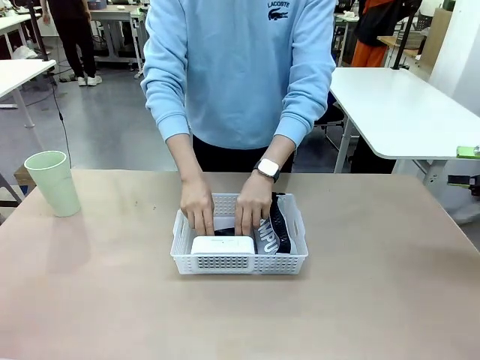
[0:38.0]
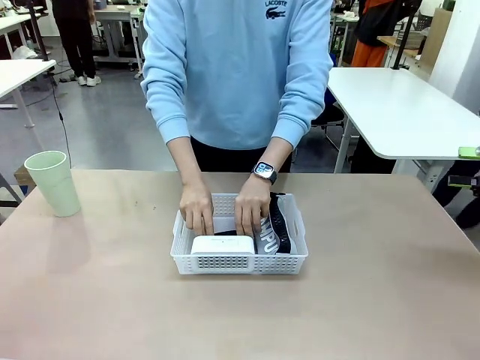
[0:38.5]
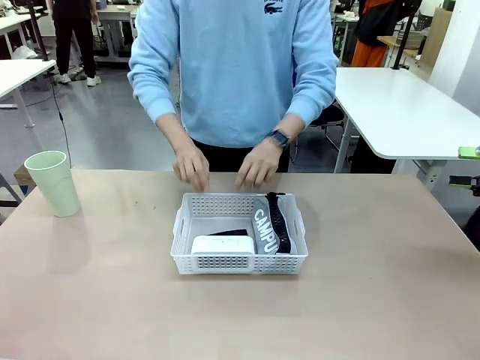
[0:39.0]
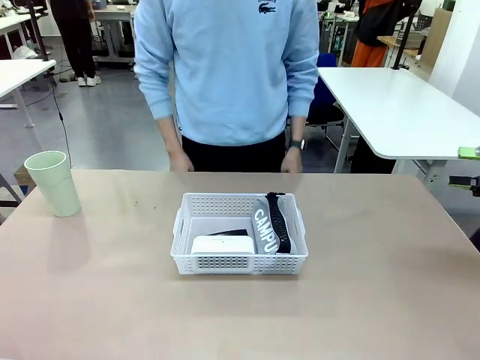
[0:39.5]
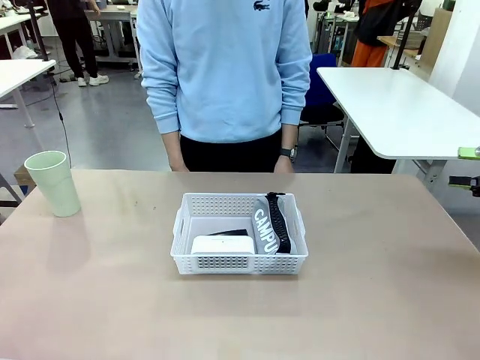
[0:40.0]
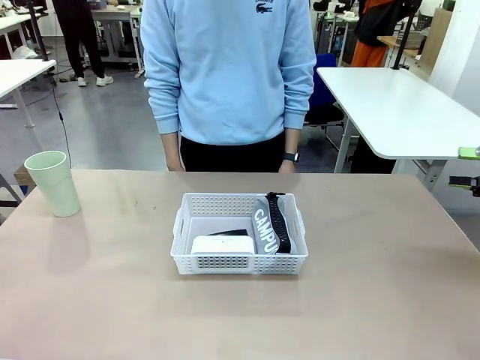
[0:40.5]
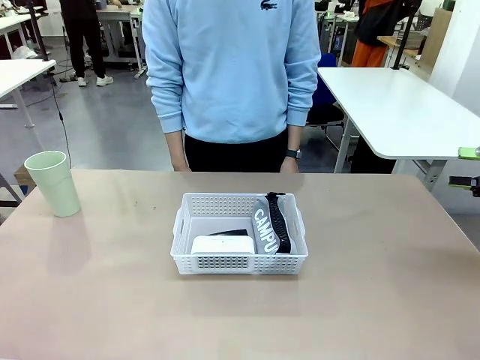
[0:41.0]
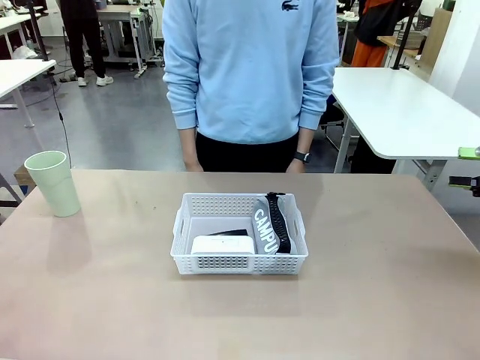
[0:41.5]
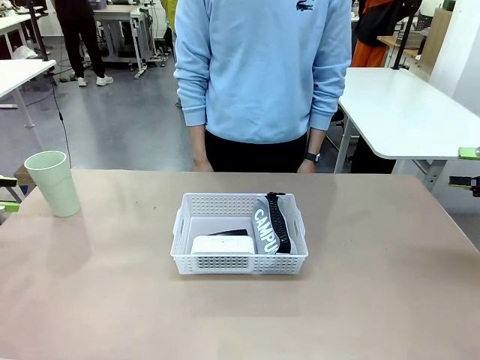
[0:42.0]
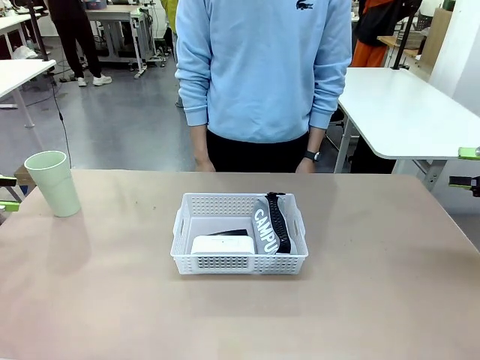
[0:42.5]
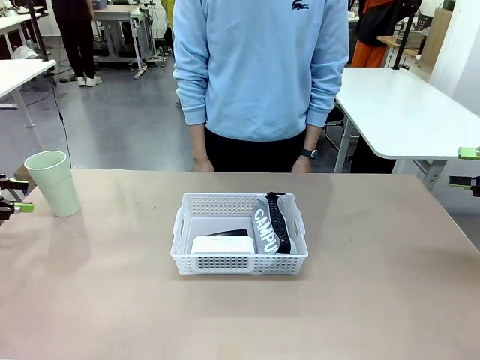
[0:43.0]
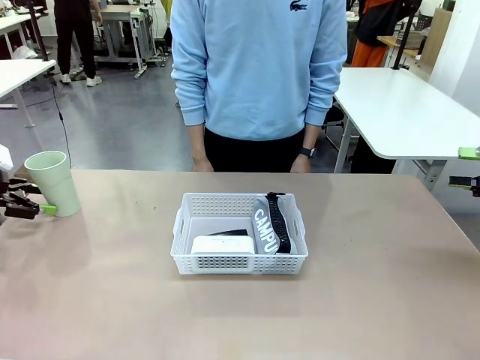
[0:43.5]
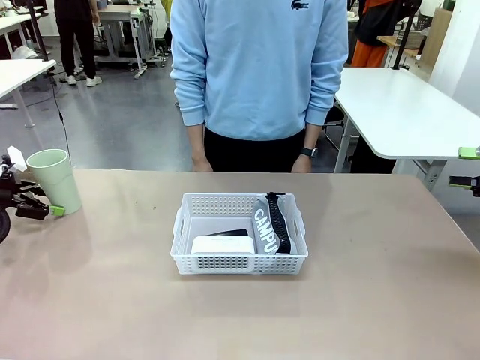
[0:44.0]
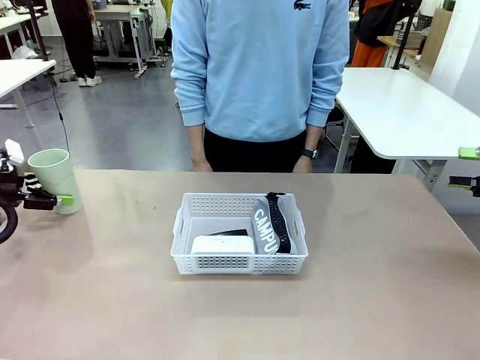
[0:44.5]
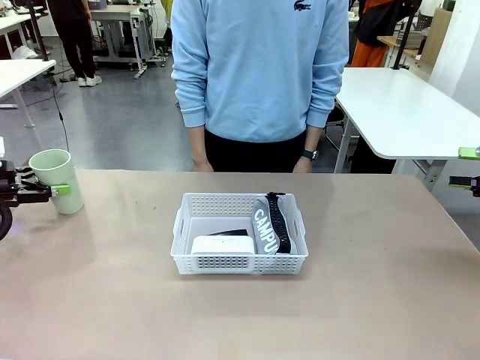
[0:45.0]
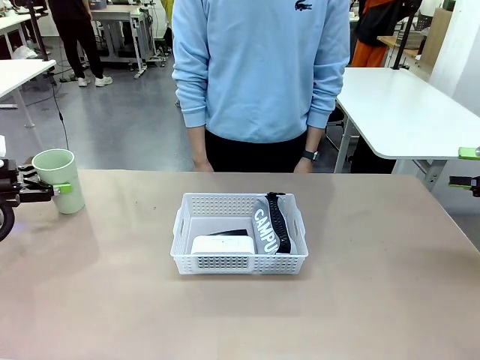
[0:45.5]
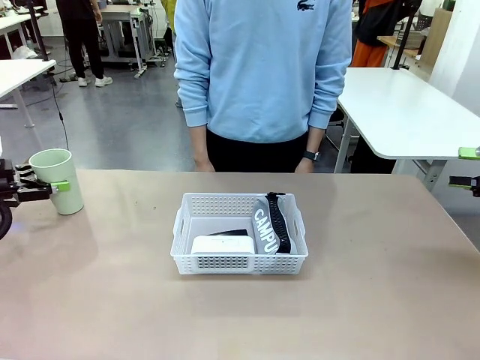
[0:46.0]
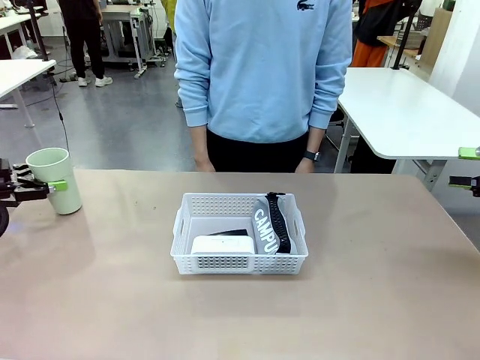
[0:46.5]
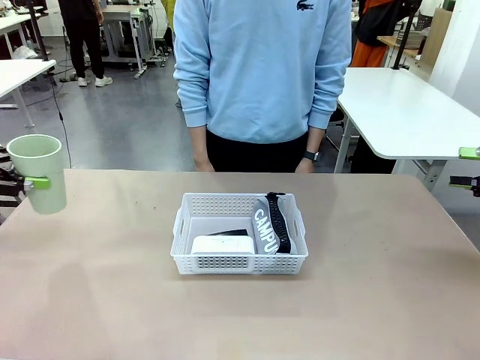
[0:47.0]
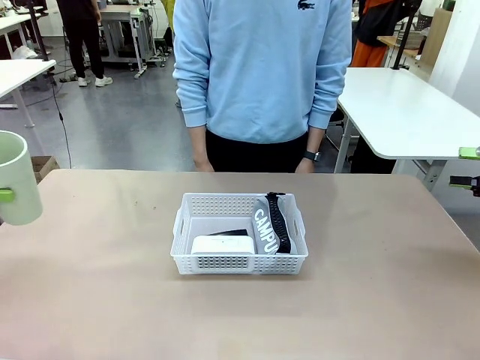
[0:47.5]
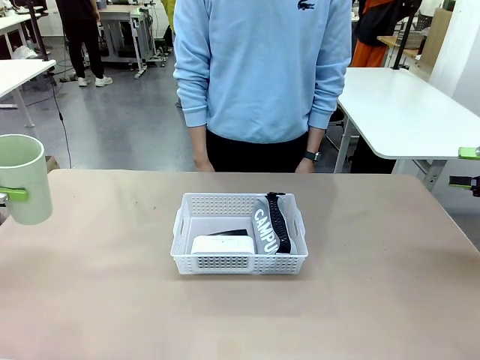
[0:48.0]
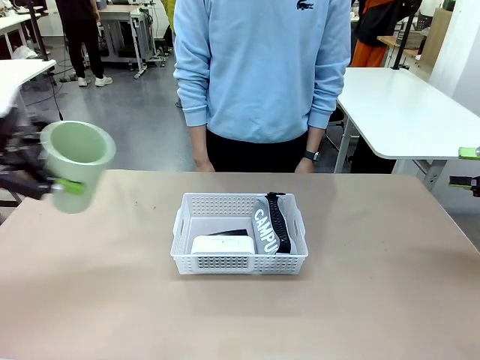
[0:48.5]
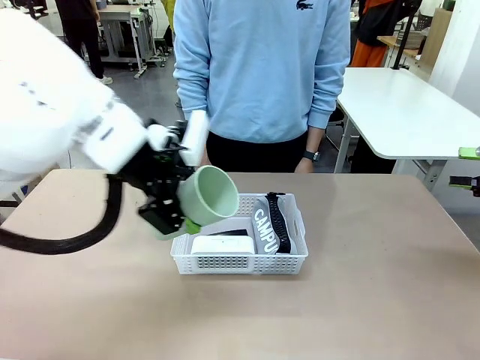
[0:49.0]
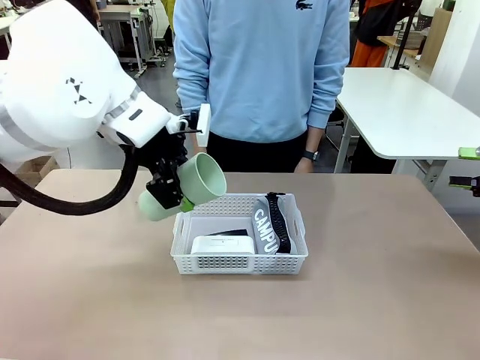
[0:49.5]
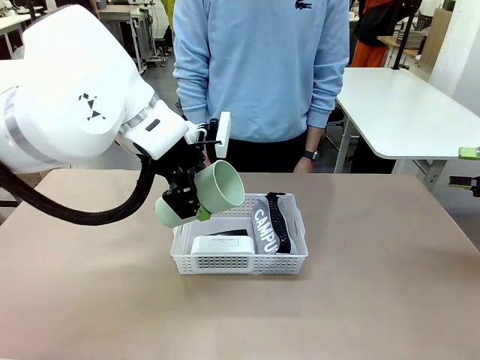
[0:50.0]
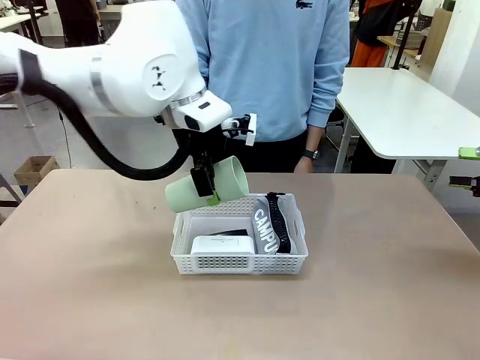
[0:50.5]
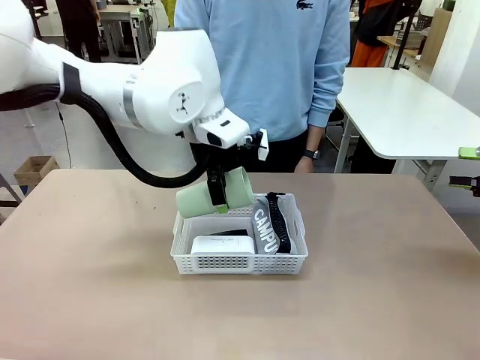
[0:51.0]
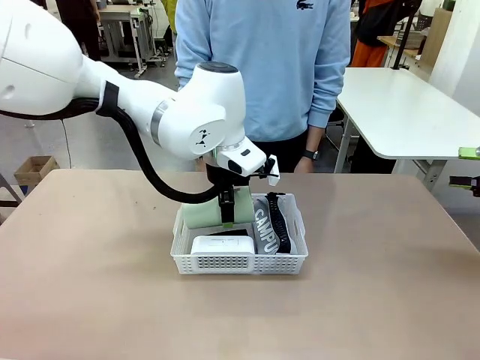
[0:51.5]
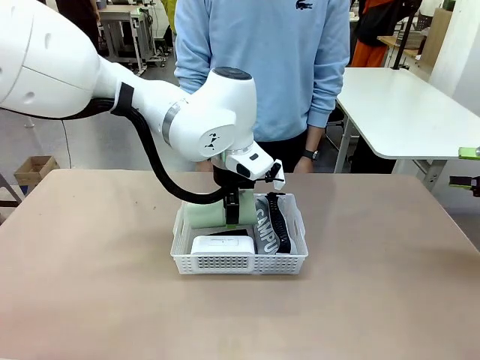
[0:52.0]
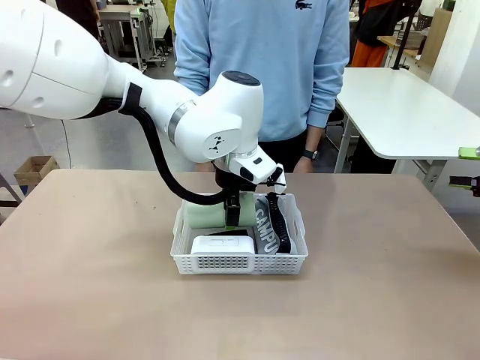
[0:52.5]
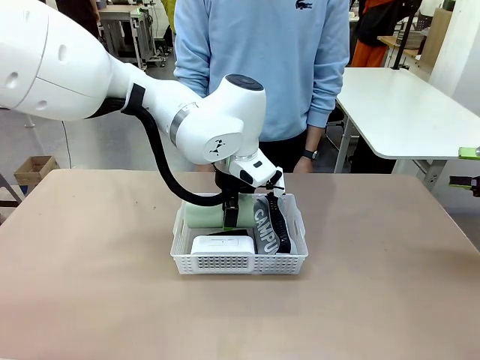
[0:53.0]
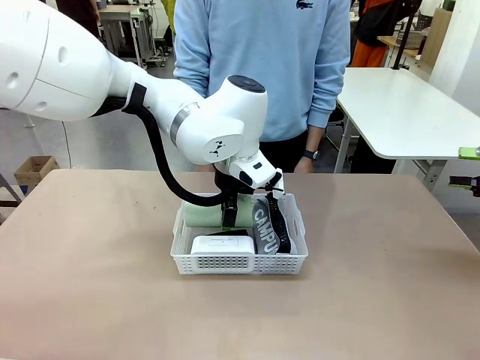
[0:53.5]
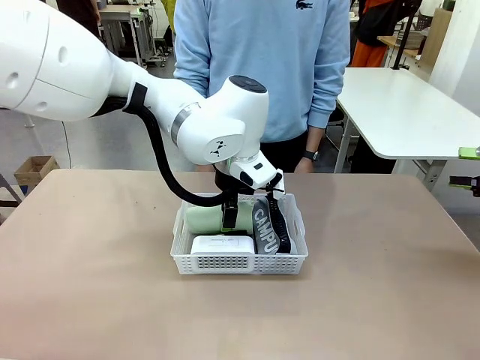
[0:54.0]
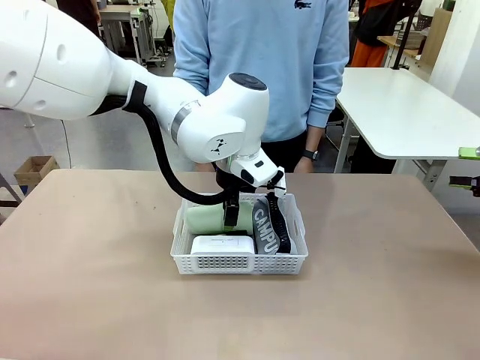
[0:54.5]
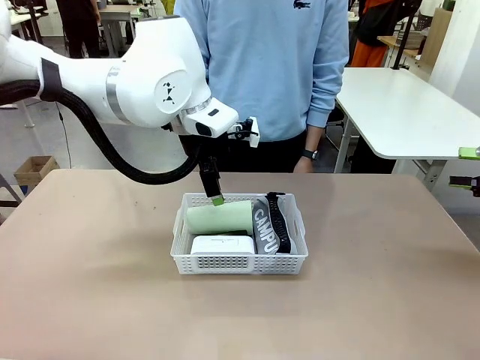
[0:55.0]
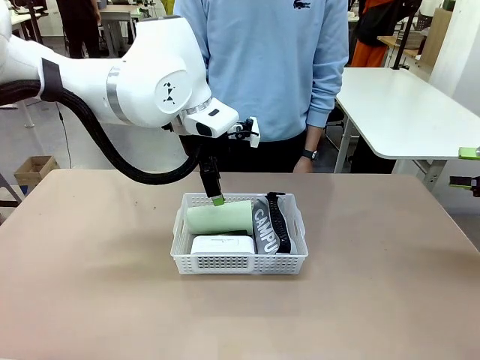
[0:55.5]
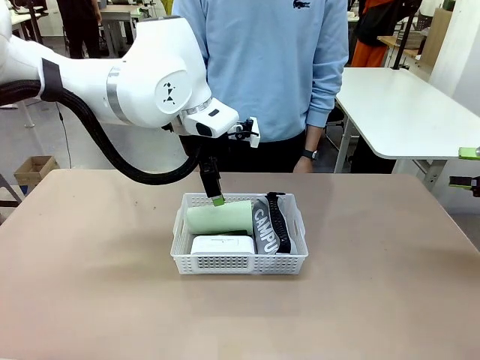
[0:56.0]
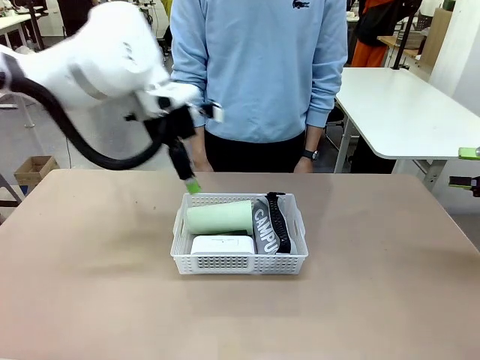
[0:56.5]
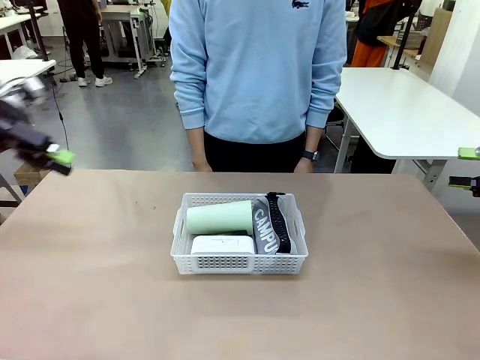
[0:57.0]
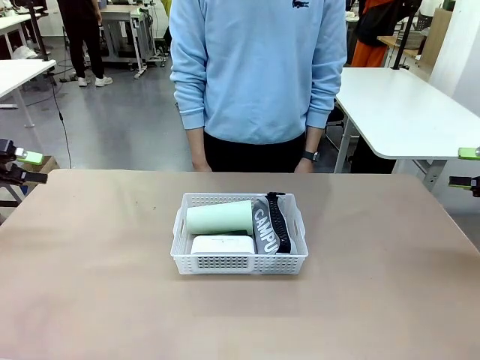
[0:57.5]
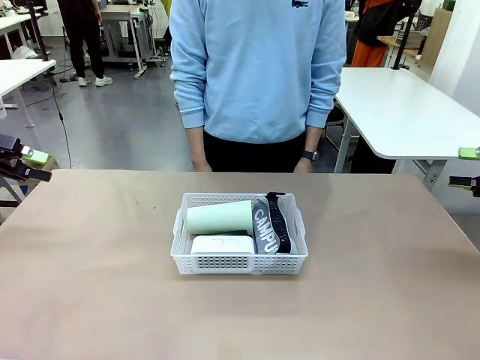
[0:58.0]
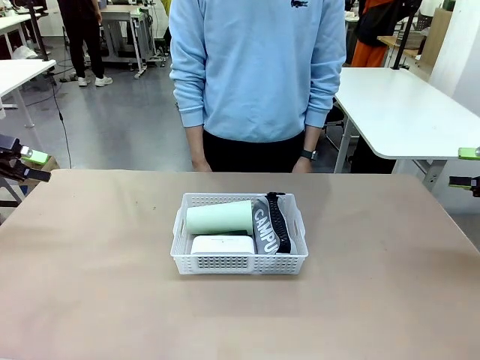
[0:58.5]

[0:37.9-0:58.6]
Task: Efficiently arrange items inside the basket to fit them all.
Robot: Pick up the Reusable plastic cup and place it inside the Organizing basket.
Person: Repositions the stapler.
